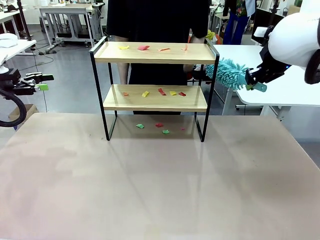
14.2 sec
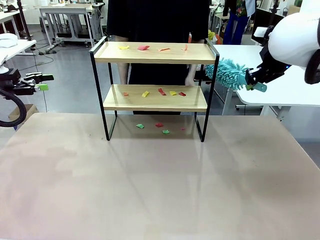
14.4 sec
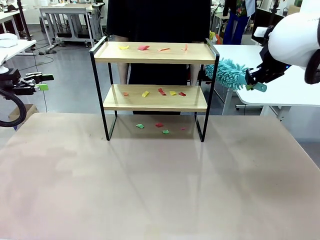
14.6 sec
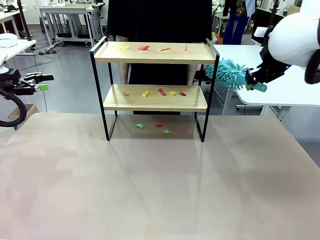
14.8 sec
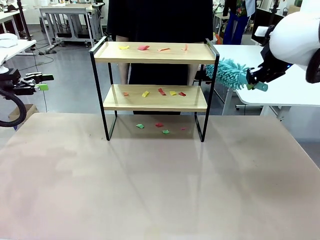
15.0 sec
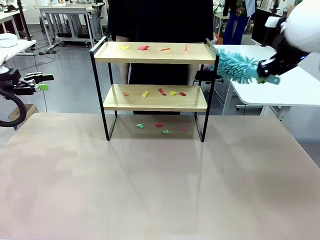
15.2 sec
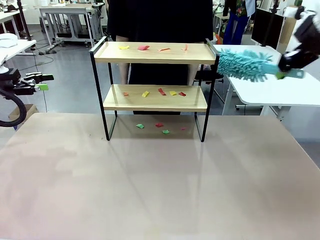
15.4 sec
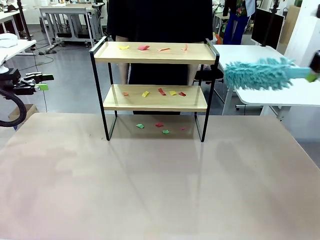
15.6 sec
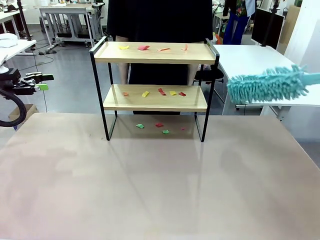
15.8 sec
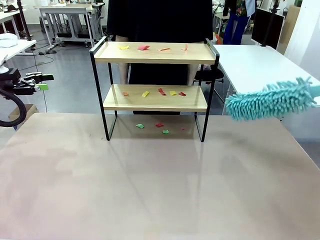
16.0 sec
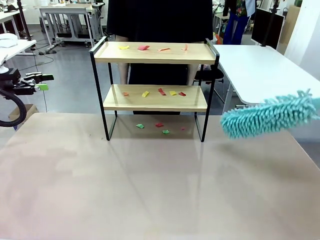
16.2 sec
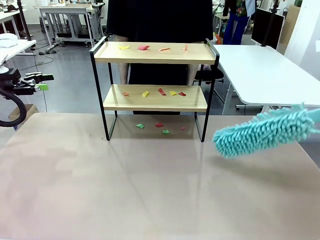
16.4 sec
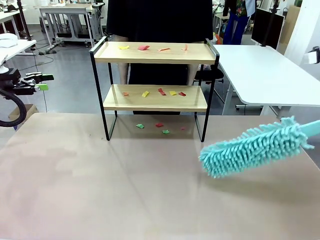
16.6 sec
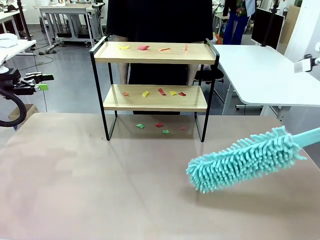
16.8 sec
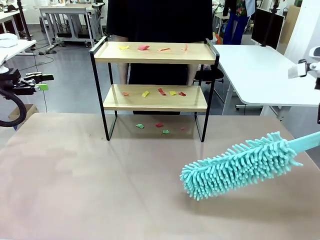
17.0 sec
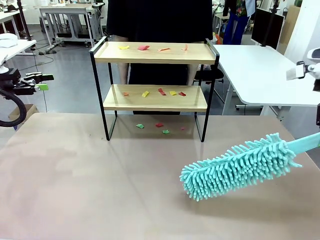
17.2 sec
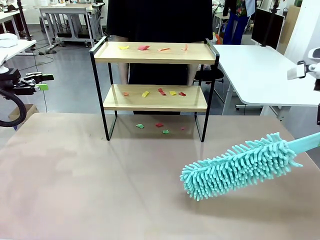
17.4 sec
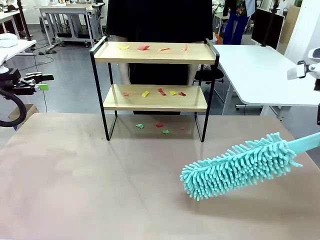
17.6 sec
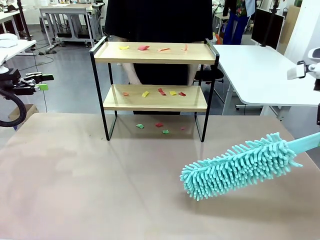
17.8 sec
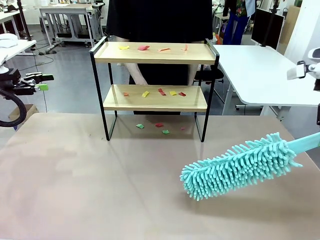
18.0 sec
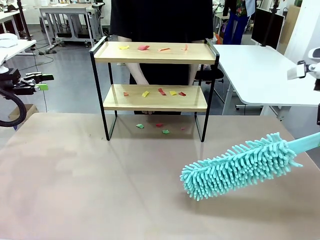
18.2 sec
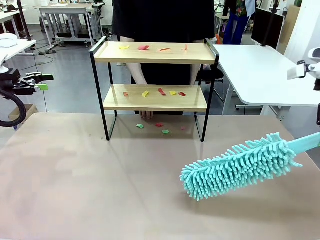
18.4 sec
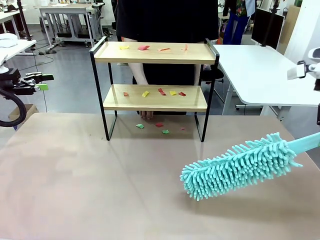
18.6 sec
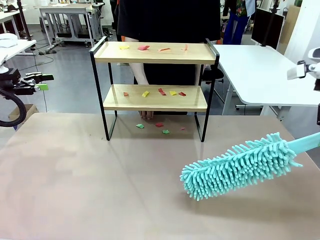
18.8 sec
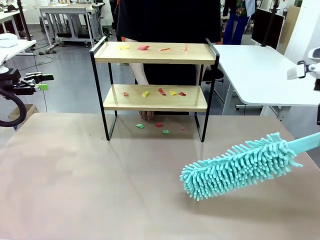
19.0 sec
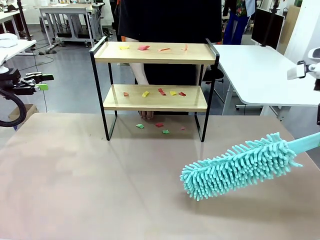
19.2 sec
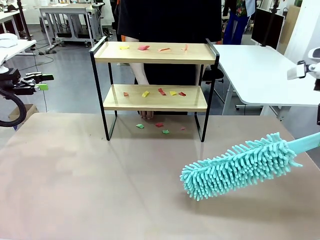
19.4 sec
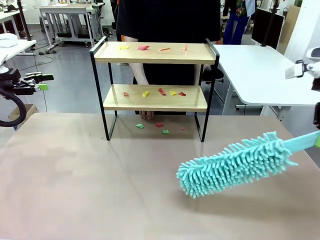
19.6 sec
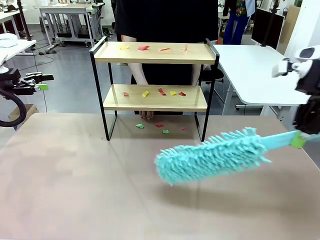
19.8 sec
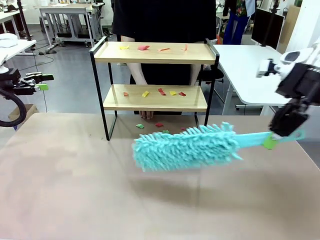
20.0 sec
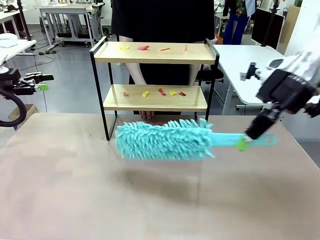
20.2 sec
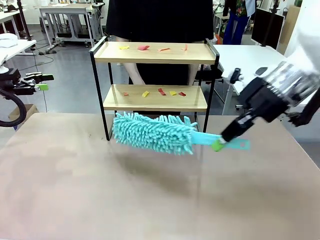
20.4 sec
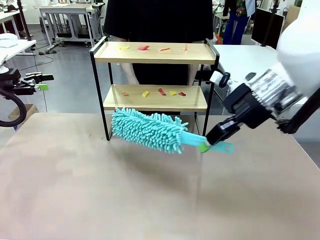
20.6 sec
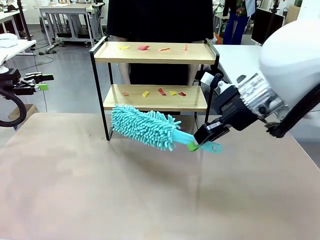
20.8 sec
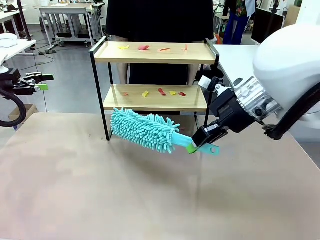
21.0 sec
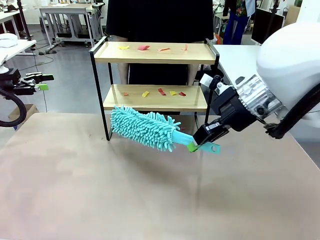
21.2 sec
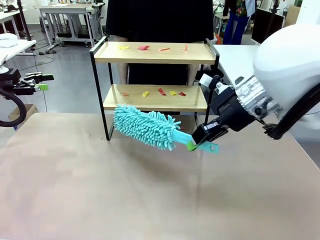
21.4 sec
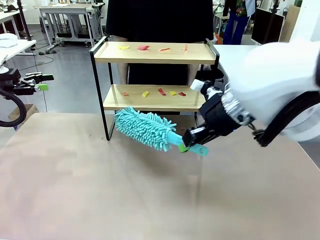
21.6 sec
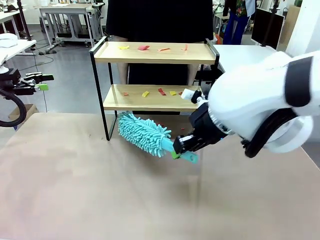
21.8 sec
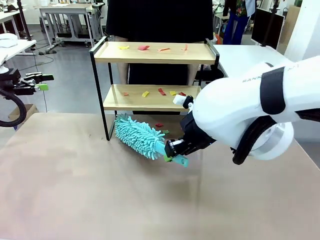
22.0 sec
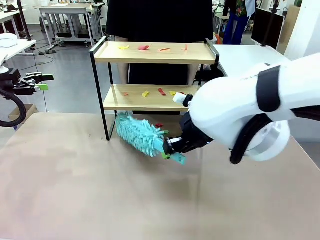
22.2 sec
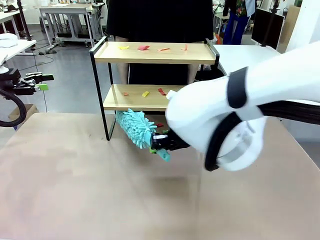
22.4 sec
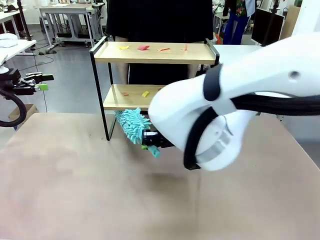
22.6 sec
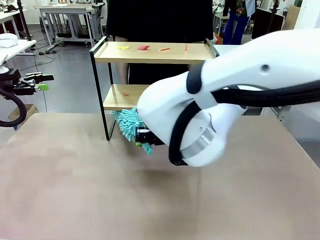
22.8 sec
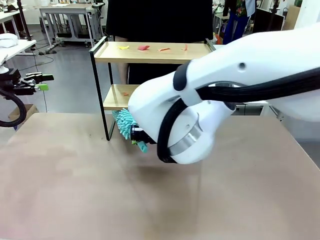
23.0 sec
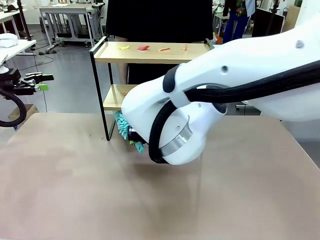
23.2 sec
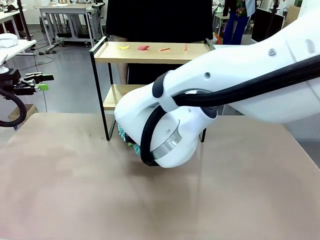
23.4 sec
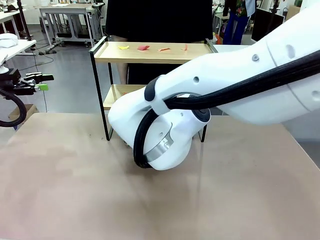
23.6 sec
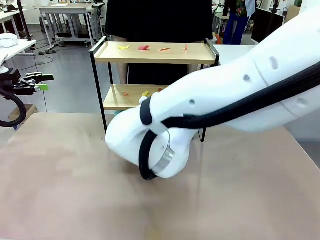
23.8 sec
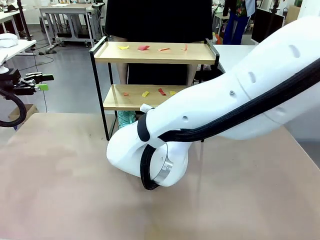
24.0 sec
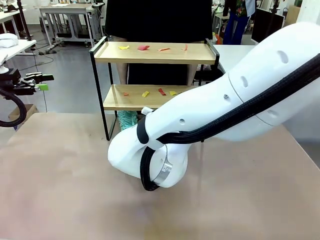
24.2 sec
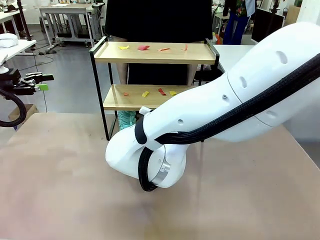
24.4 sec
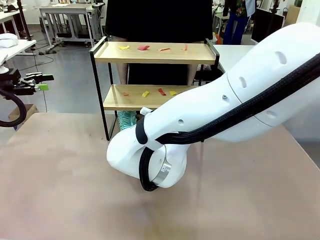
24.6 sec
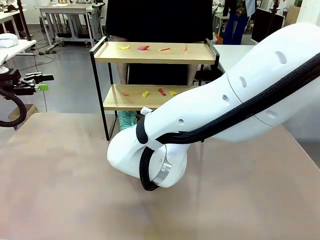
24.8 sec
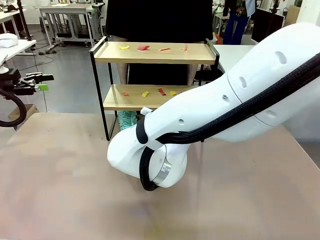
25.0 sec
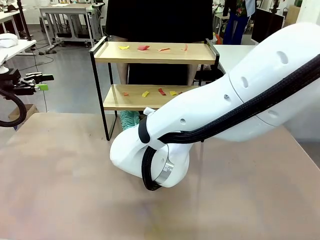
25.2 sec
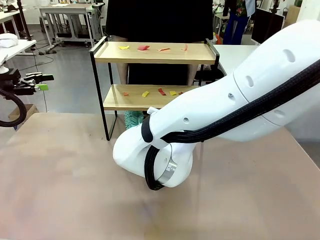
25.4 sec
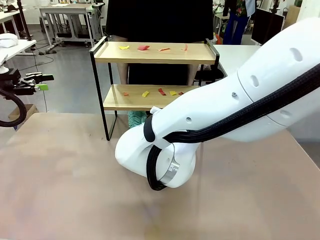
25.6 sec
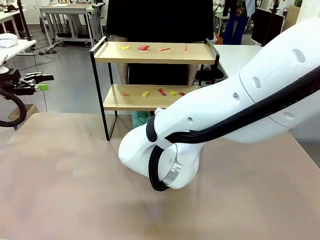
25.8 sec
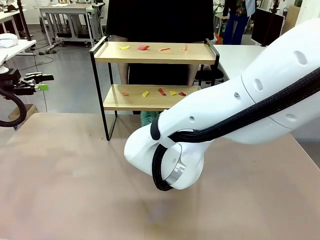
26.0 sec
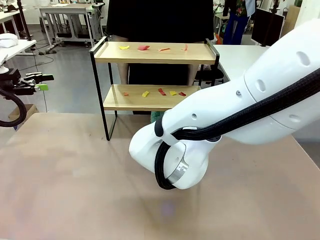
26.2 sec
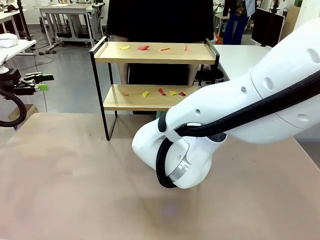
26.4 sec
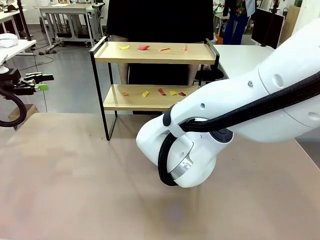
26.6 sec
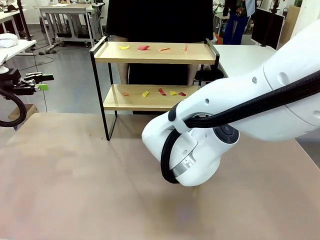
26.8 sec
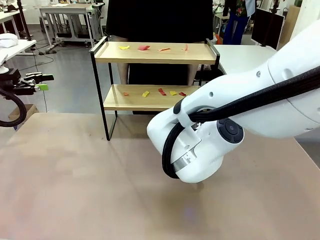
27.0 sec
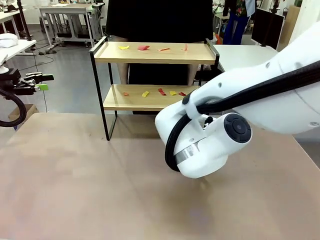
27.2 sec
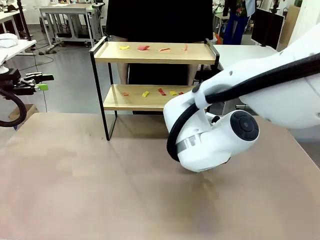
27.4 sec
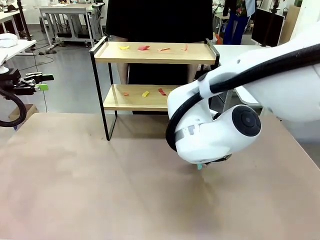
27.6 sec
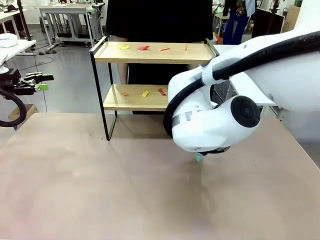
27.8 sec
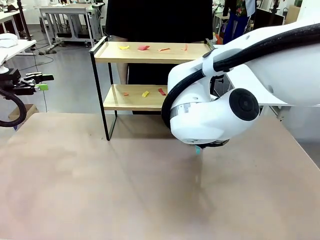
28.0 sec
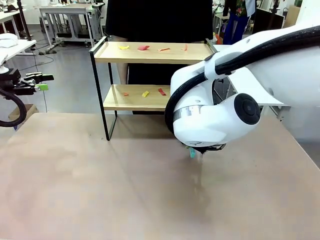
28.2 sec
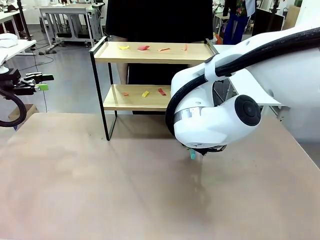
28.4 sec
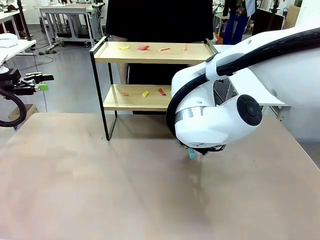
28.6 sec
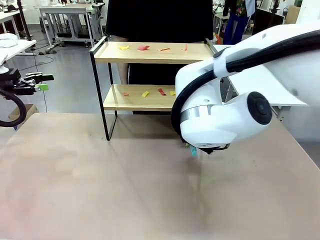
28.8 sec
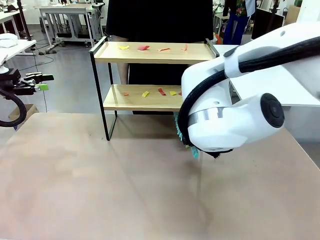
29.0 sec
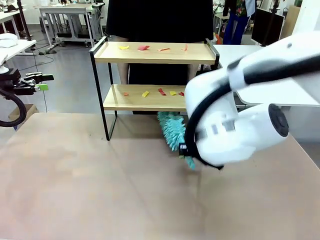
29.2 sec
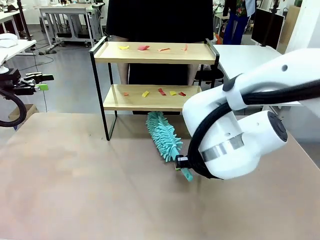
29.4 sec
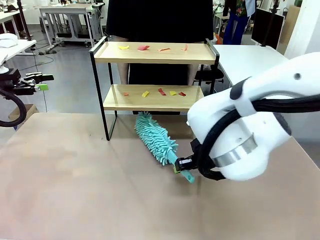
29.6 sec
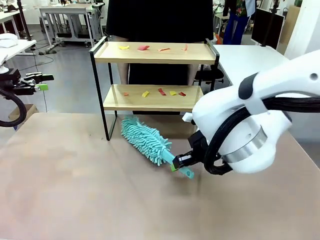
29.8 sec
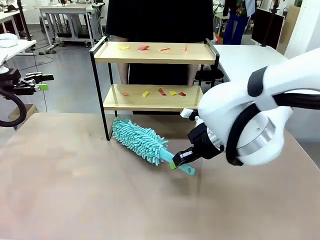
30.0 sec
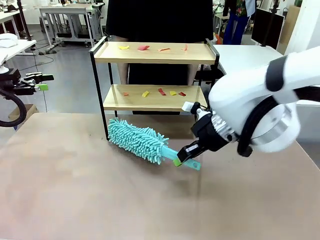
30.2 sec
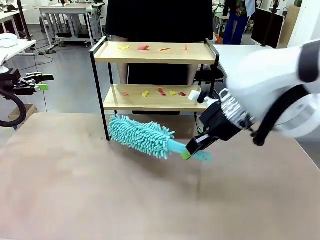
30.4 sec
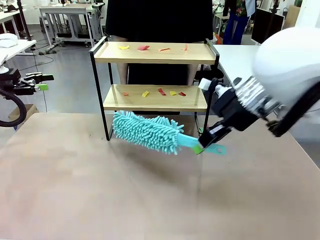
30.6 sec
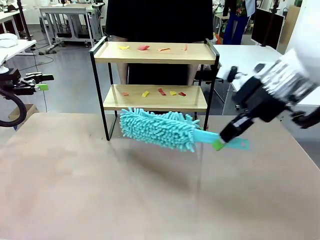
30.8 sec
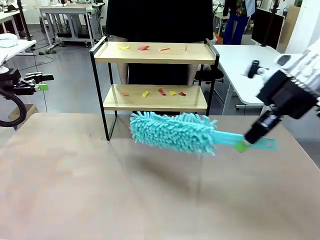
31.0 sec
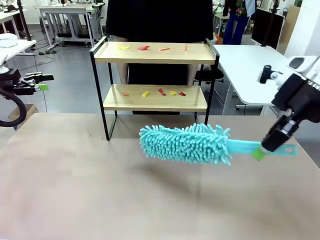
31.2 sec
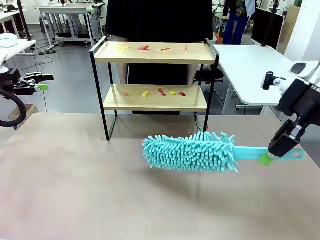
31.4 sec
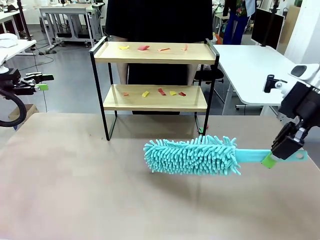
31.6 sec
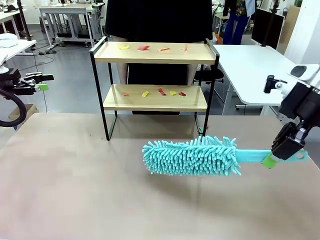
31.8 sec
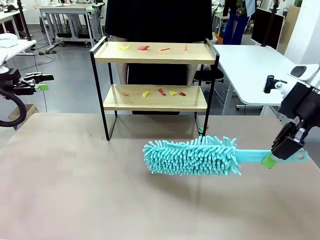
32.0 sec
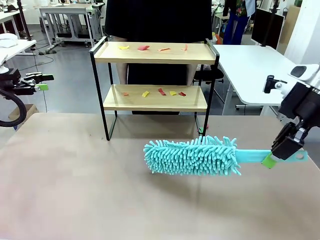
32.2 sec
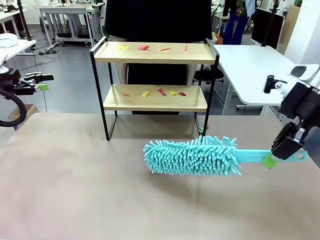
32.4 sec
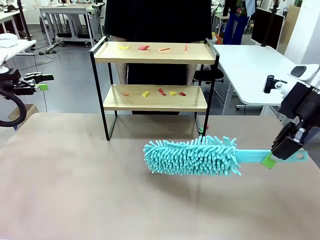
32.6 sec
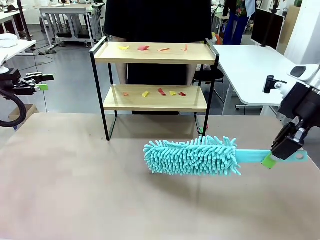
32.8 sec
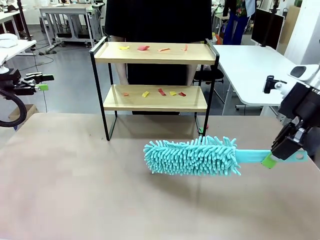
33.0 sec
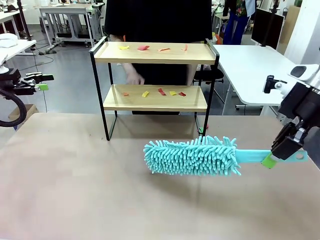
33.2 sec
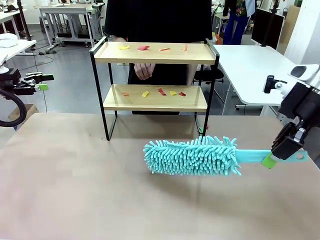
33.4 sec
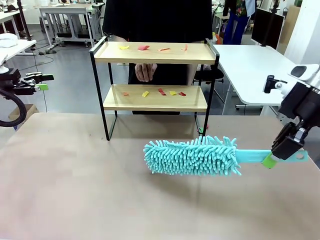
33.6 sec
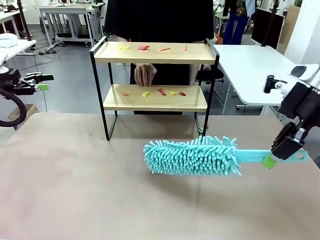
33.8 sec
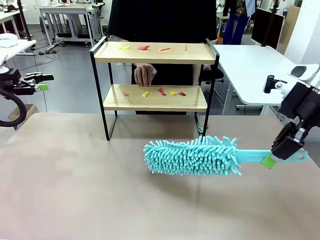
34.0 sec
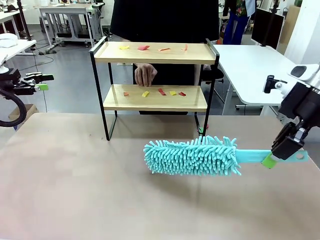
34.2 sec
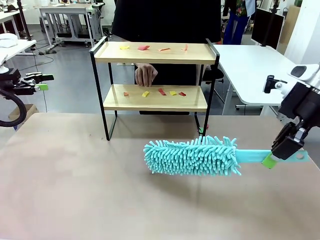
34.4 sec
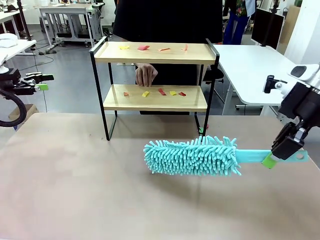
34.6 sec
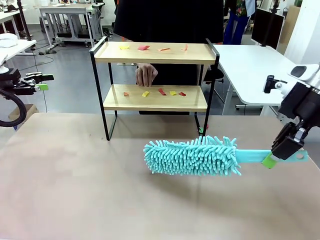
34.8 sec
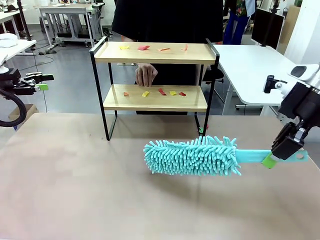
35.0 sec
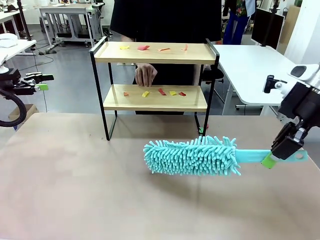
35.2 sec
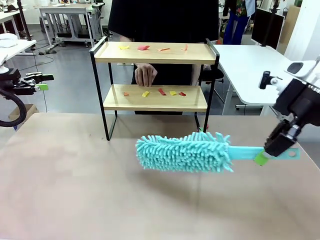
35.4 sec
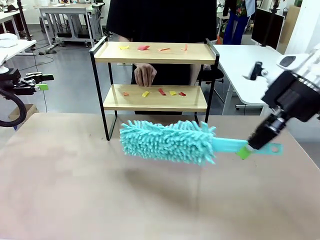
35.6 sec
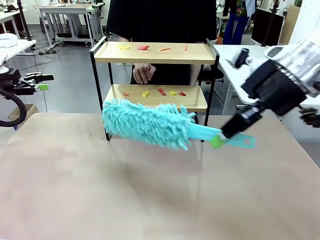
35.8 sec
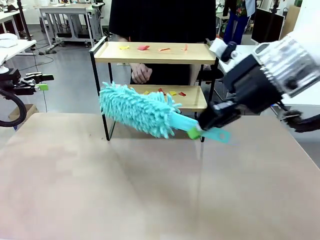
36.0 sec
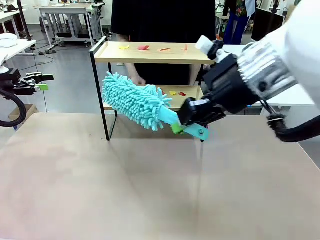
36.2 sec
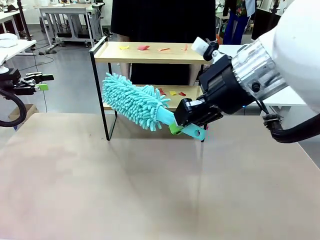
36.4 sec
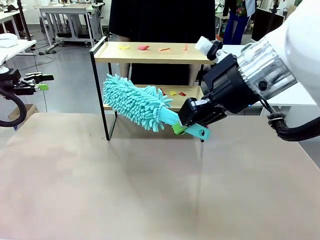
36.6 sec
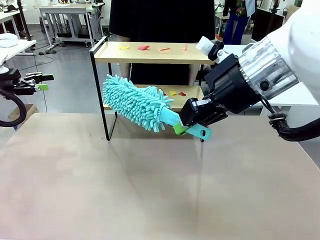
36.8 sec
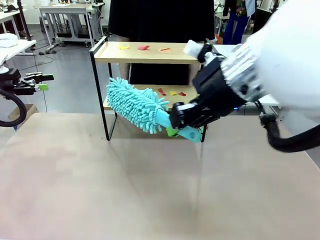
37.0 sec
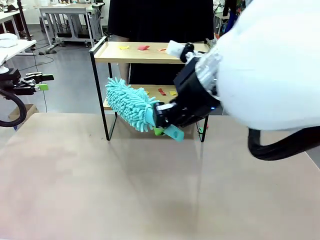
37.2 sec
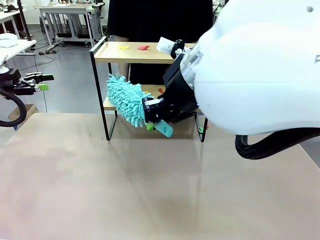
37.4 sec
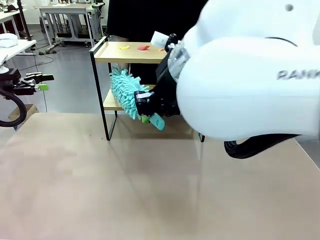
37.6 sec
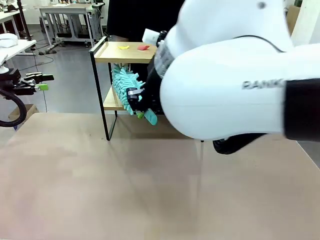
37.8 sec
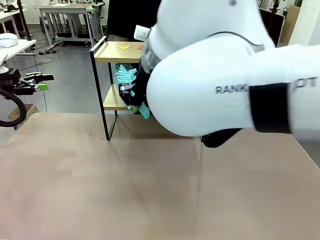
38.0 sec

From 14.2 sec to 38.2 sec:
Task: Clean the shelf.
Robot: Clean the specific section of the Shelf indicated by the human with the Duster.
Person: Point a random section of the Shelf.
